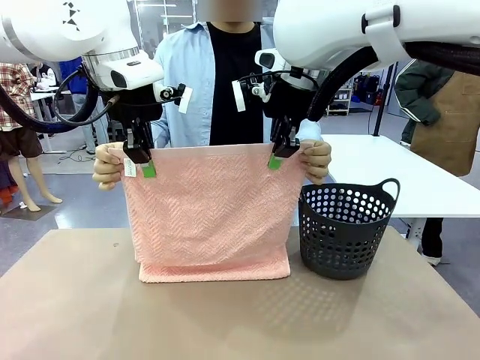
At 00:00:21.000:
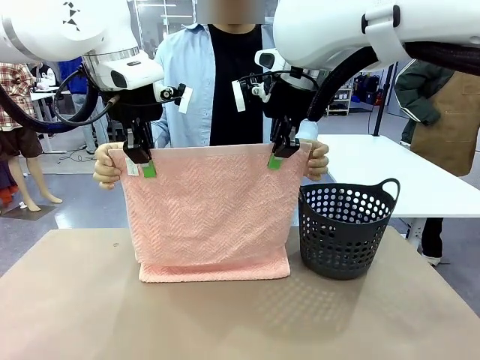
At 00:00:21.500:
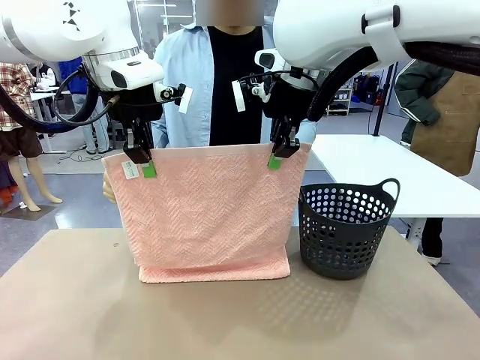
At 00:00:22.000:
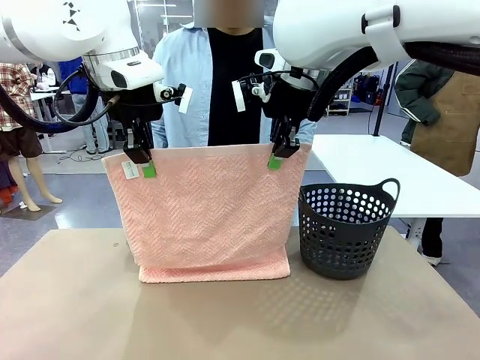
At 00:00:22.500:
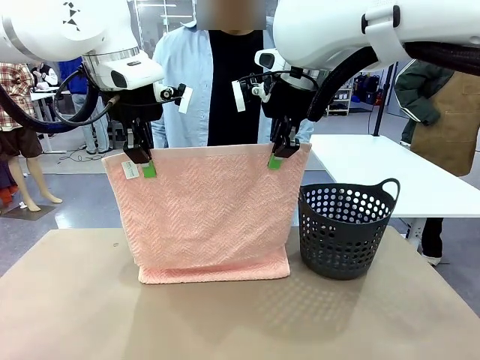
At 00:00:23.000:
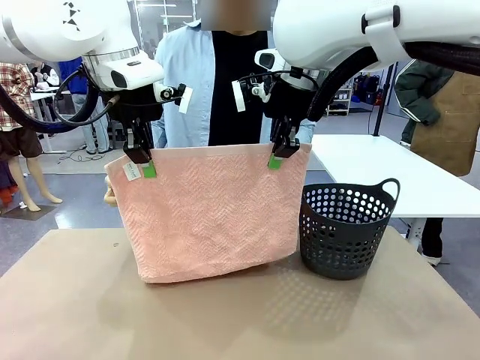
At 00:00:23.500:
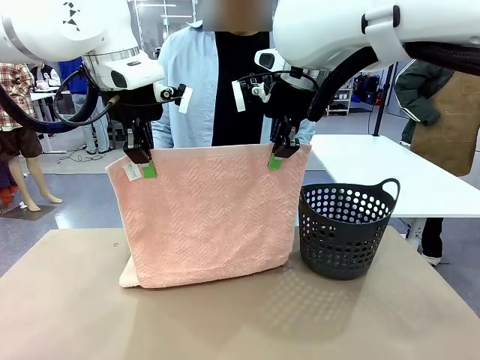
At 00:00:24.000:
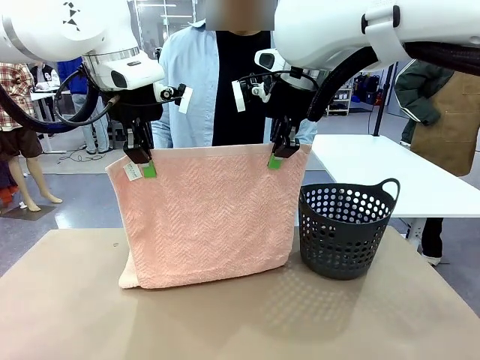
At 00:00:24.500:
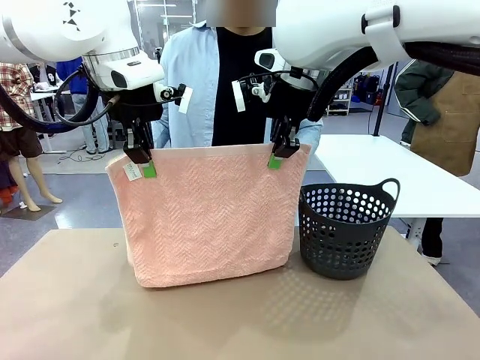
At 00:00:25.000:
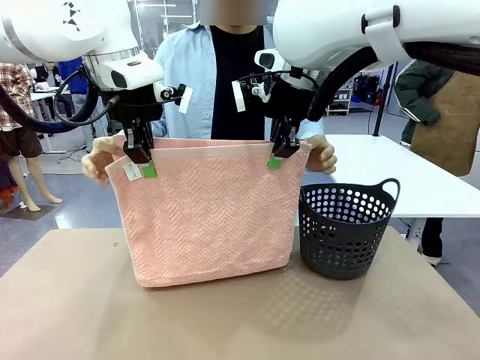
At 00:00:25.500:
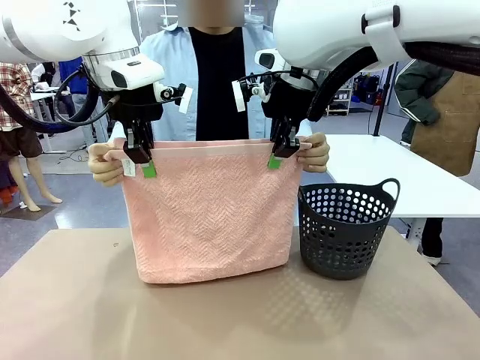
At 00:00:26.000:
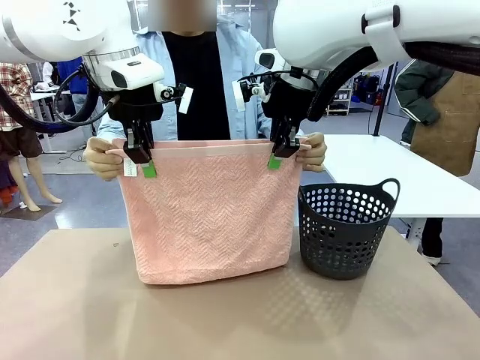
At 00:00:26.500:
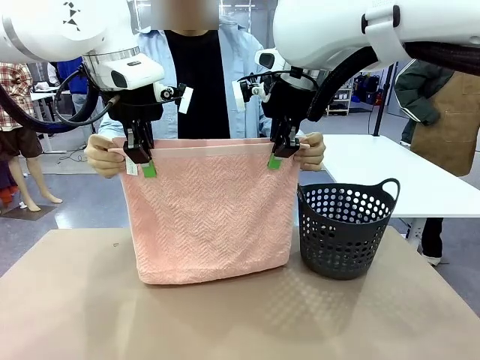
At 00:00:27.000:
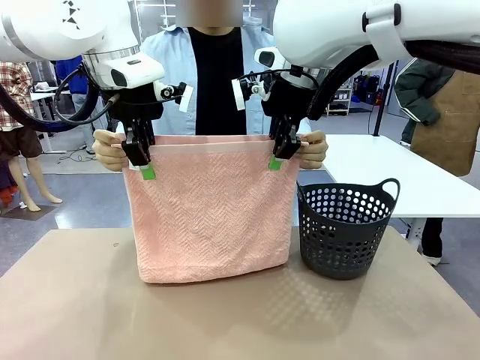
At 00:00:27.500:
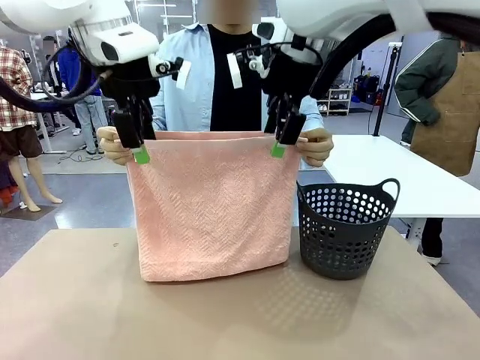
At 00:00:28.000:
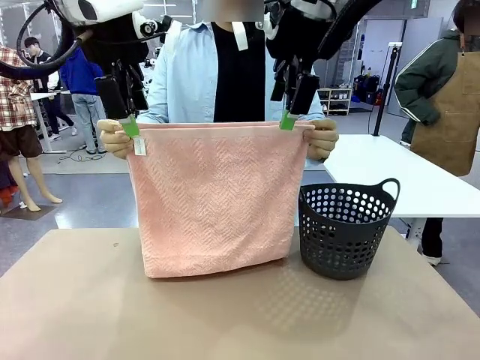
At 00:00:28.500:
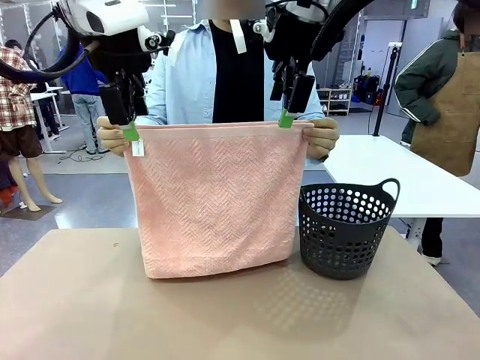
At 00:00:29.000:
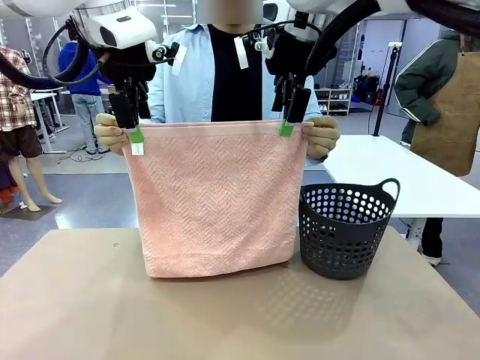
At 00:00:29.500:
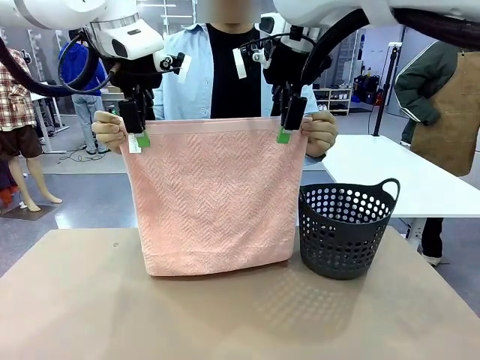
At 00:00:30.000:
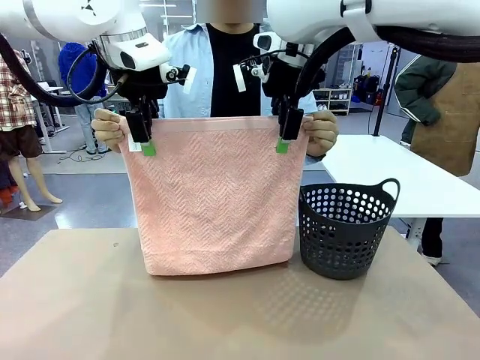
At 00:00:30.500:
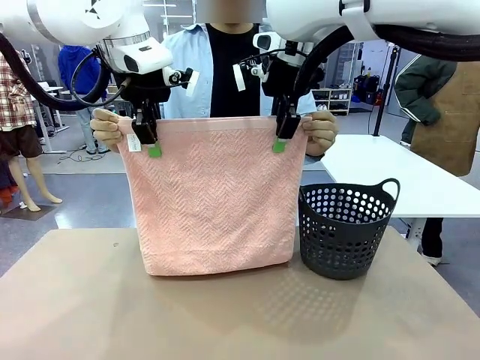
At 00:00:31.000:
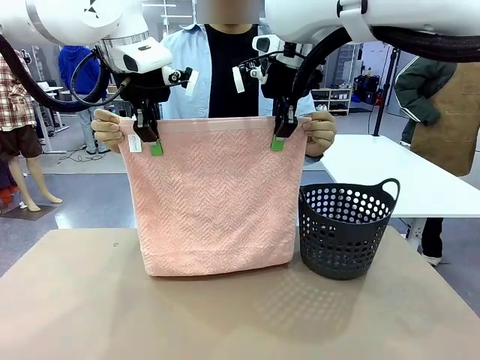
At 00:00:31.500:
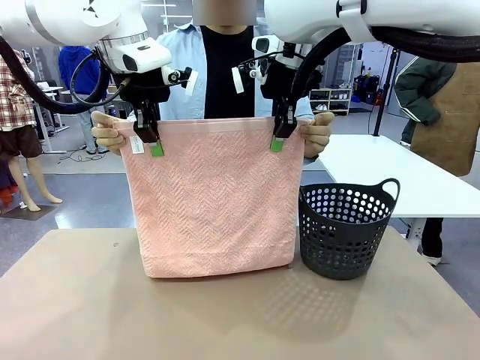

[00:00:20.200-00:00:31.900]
Task: Fold the towel.
Robot: Release the end of the 100 cm Hotel Towel you were holding and grab the top end of the folded side.

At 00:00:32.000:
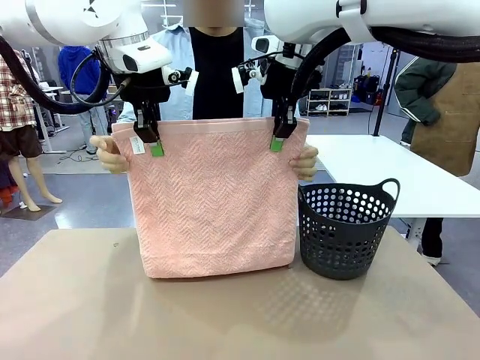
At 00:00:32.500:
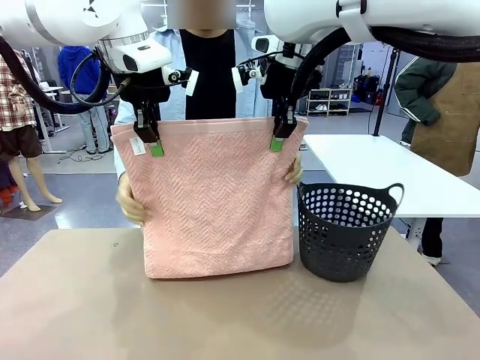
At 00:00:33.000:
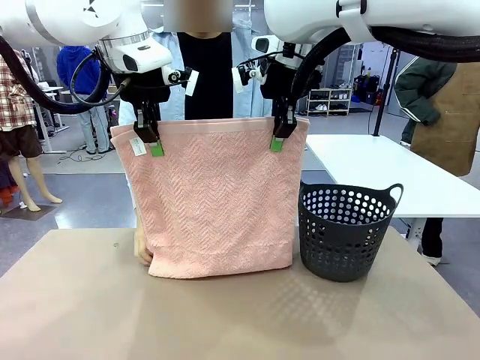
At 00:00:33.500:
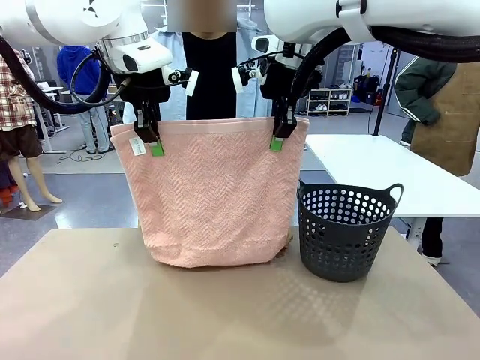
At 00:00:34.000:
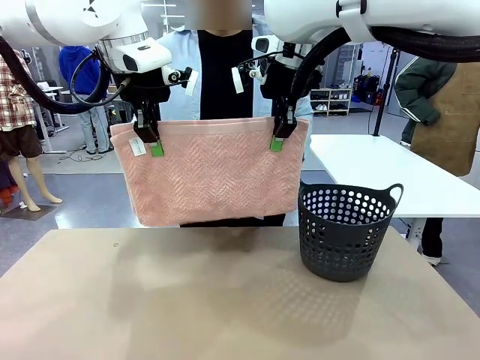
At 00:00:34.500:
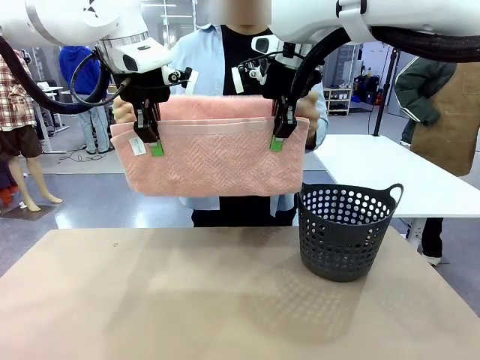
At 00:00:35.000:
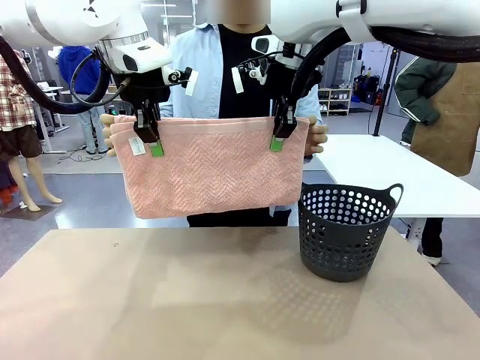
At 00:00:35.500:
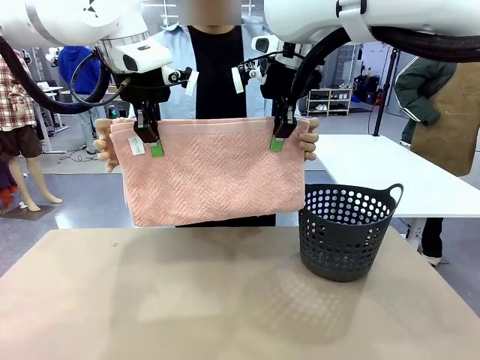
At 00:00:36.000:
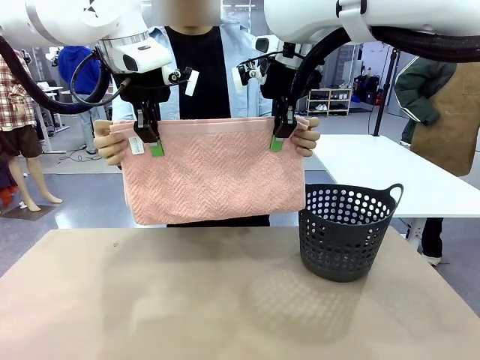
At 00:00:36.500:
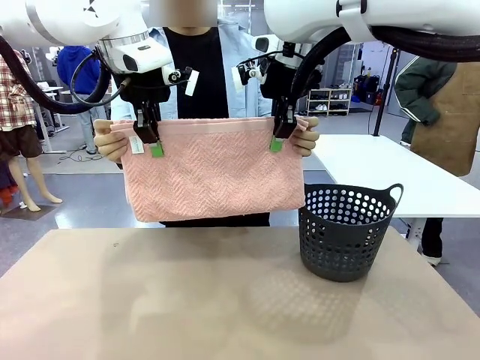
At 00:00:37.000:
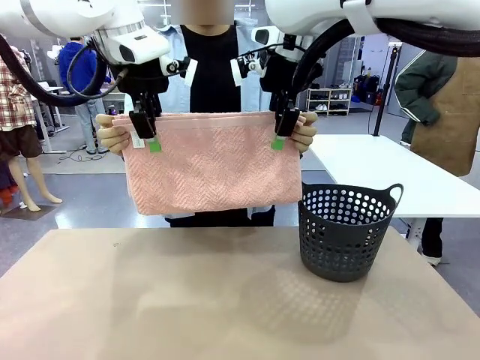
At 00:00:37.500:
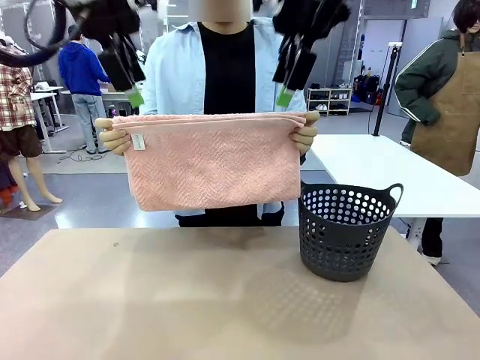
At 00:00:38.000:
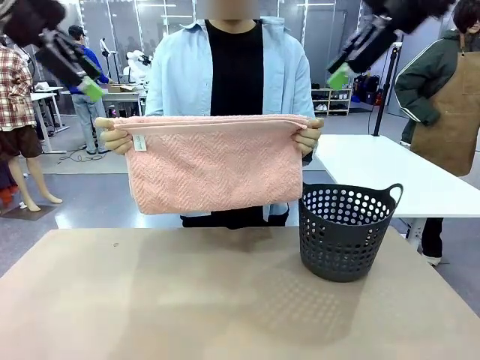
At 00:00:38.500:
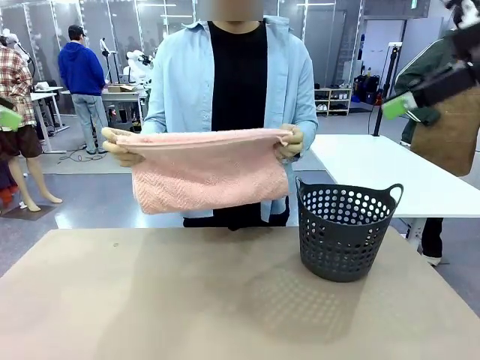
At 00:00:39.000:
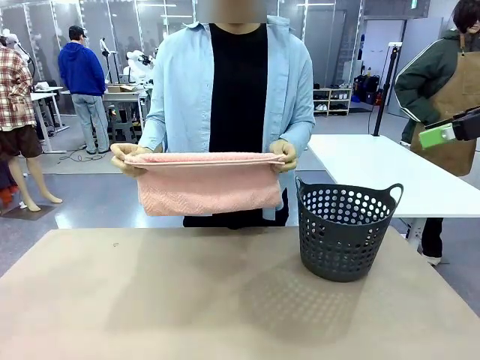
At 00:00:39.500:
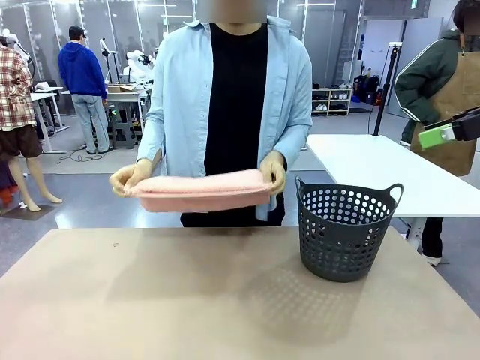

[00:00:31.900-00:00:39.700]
Robot: Release the end of the 100 cm Hotel Towel you were holding.
Person: Place the towel at the center of the robot table and fold it in half.

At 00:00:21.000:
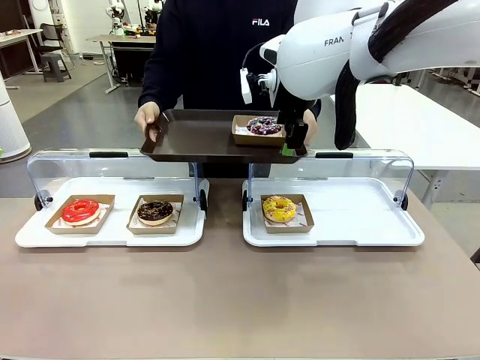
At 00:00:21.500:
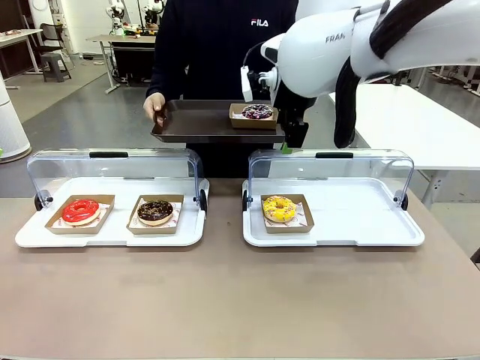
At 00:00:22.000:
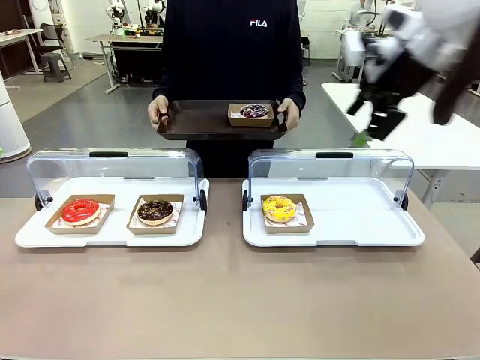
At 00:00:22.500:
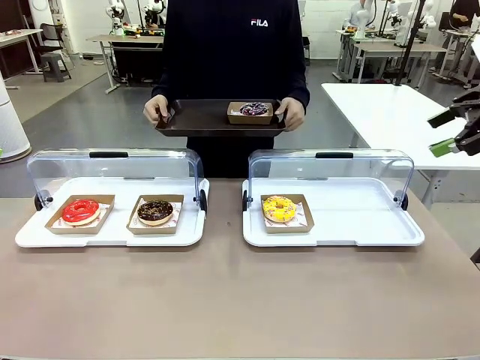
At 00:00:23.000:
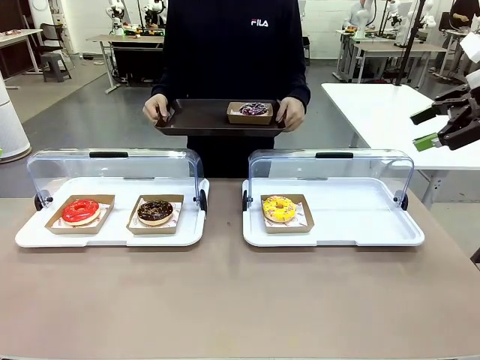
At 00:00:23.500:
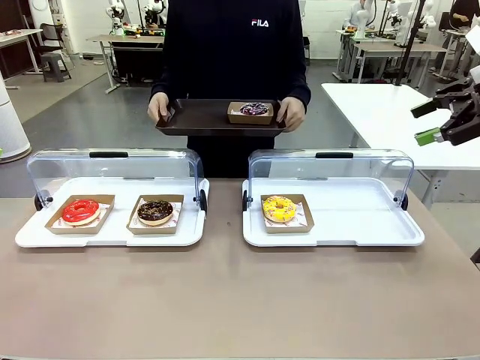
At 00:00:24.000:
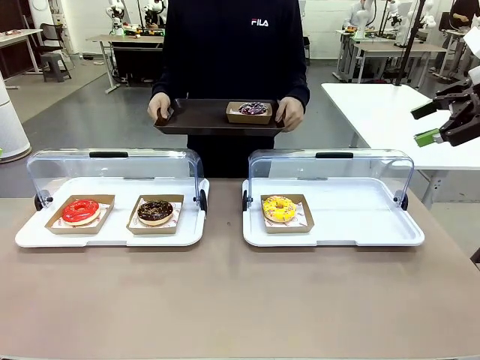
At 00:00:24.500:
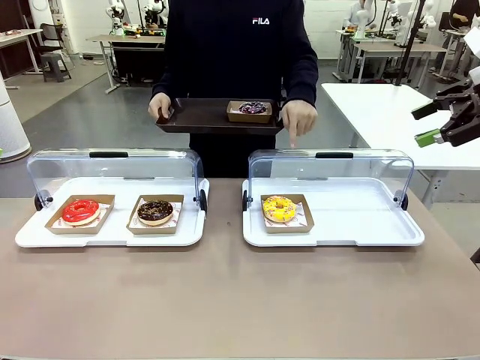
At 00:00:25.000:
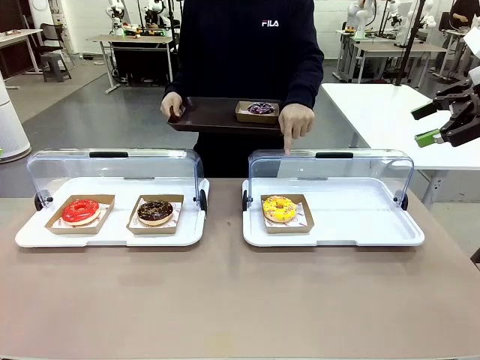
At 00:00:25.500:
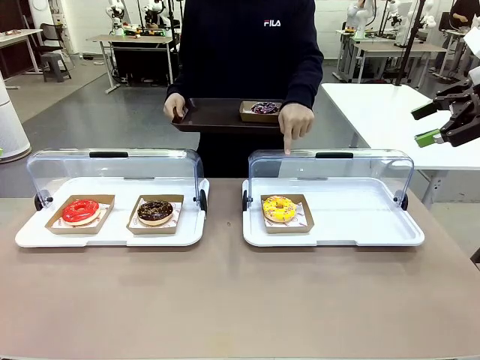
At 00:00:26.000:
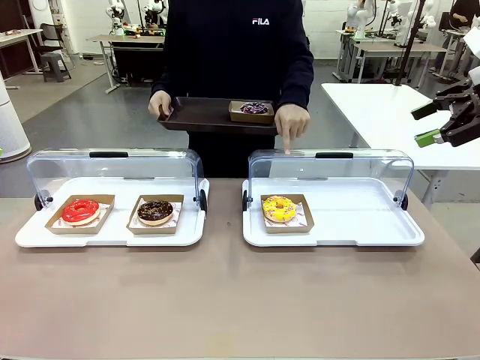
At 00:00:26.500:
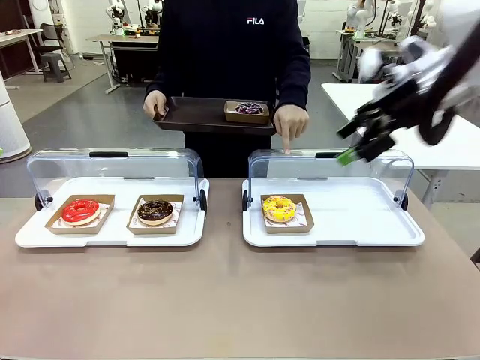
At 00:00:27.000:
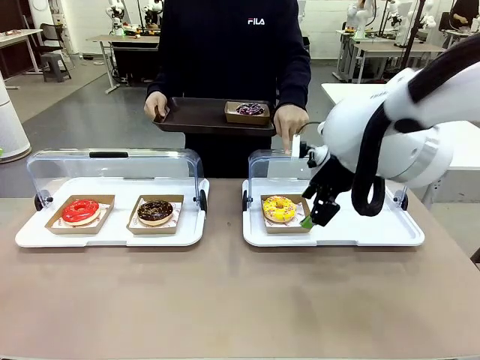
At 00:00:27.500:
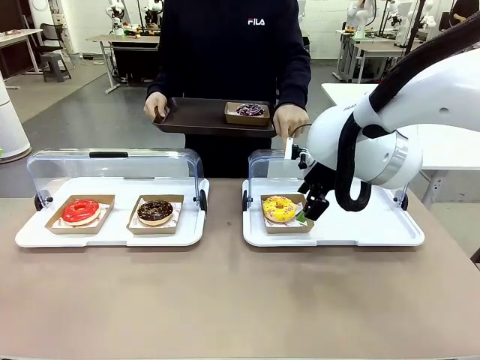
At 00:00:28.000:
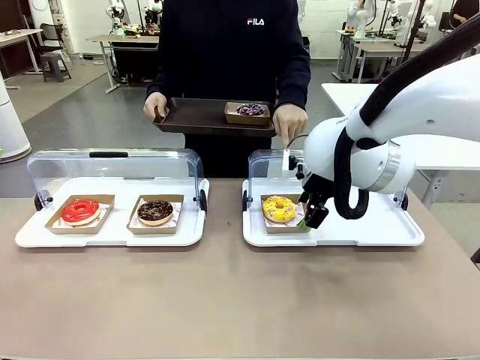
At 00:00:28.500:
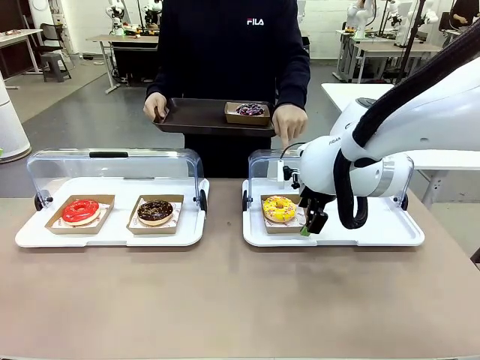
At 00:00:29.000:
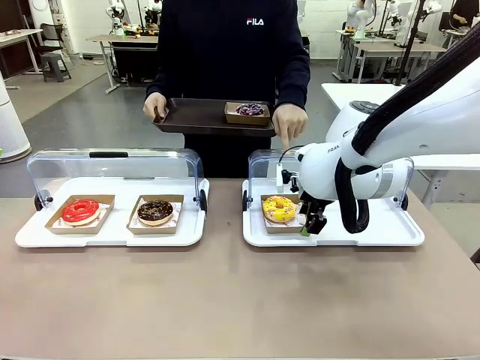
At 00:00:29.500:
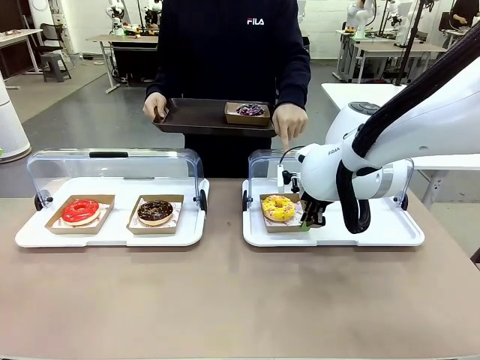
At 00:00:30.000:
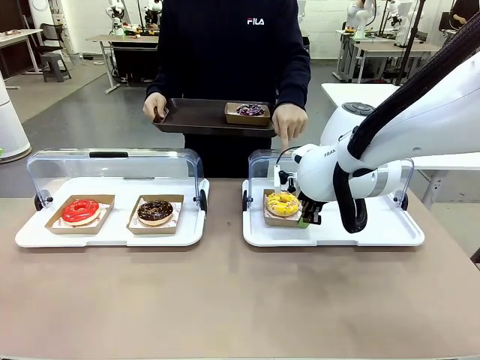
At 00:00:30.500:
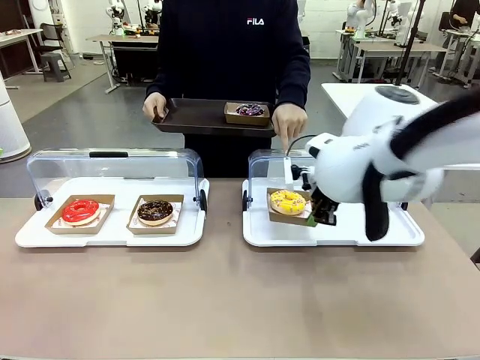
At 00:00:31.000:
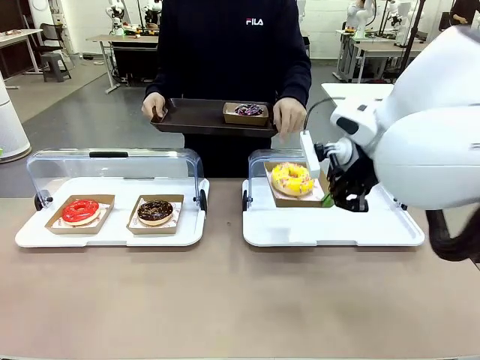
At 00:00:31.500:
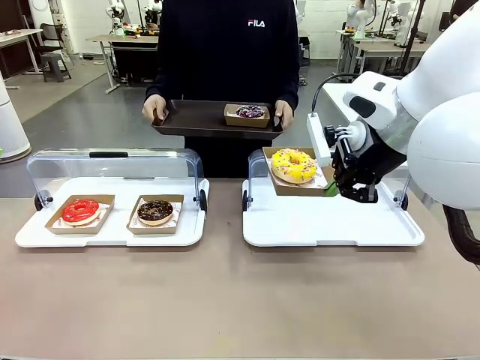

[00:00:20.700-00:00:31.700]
Task: Provide the desired donut to the person.
Robot: Pick up and lift the Paper togo box containing the Donut pointed at by the person.
Person: Lift the tray onto the Roll-Top Bakery Case.
